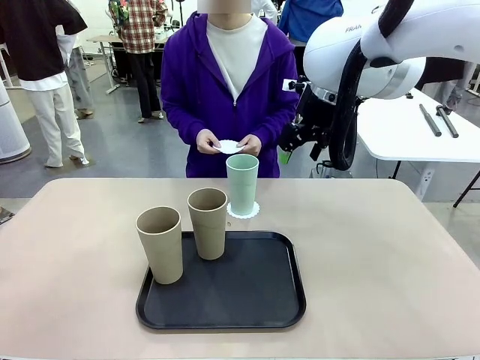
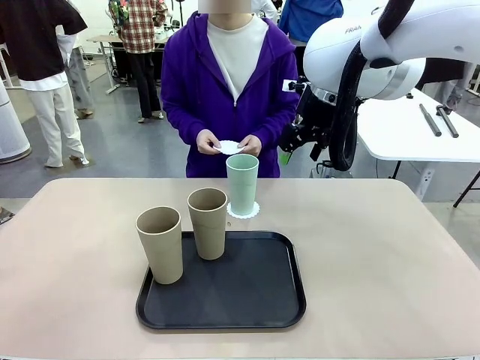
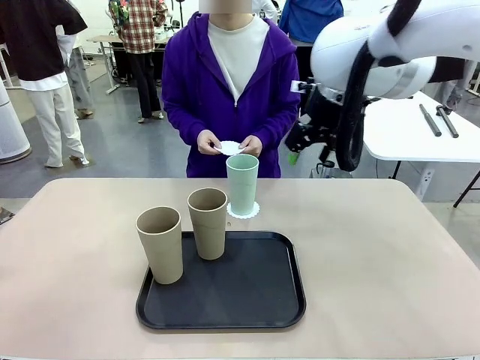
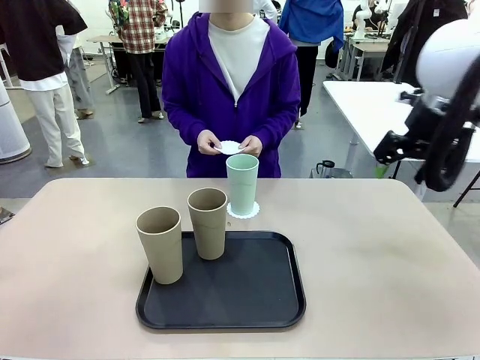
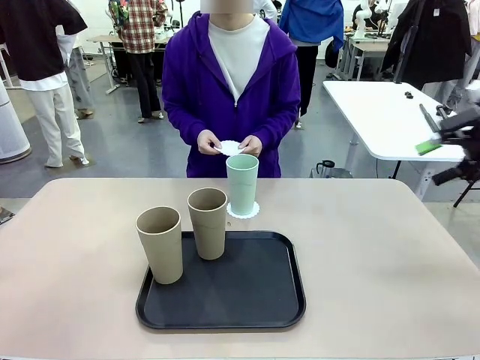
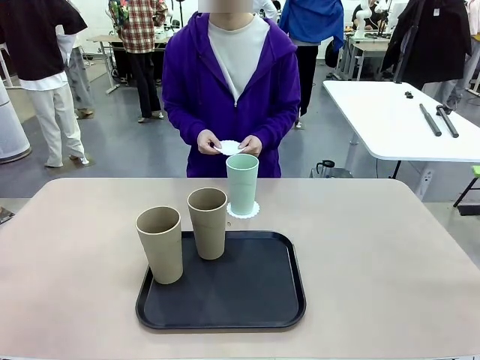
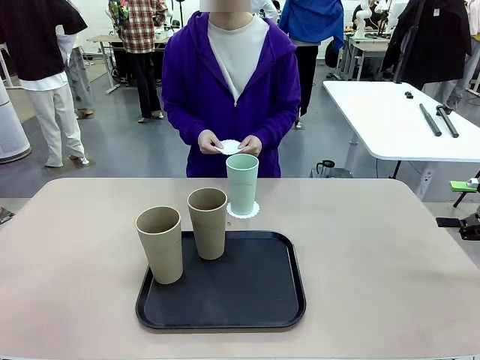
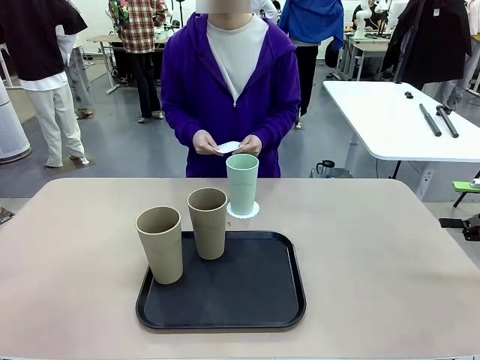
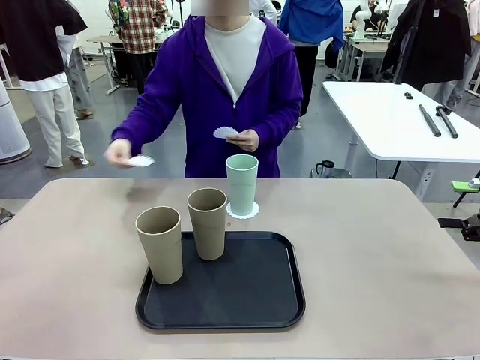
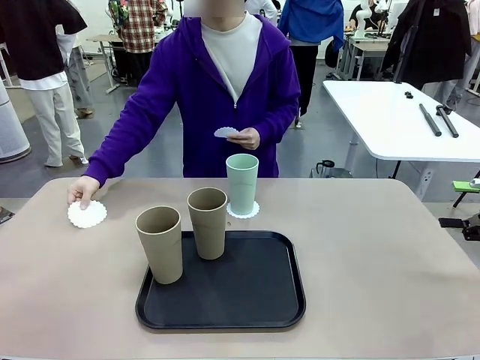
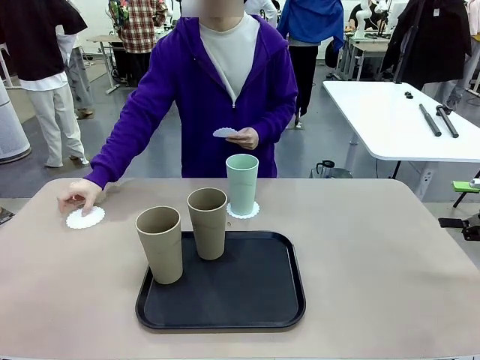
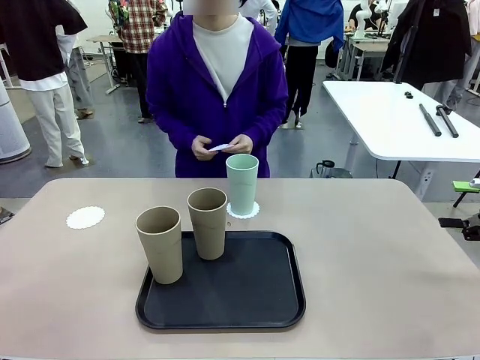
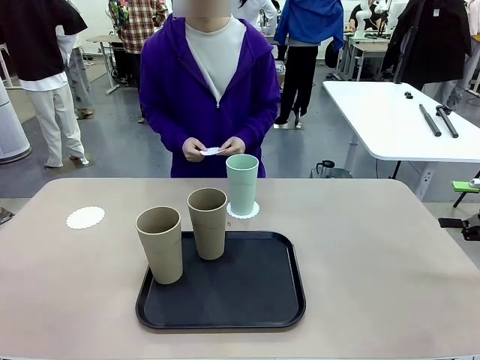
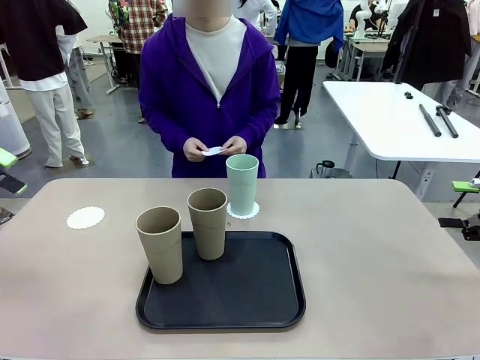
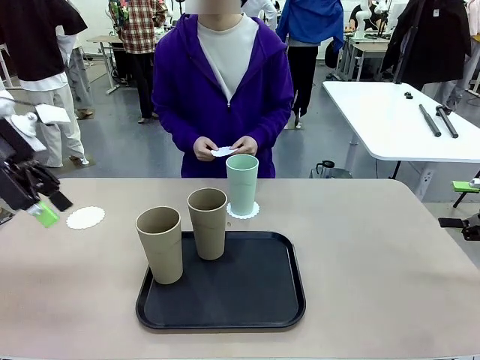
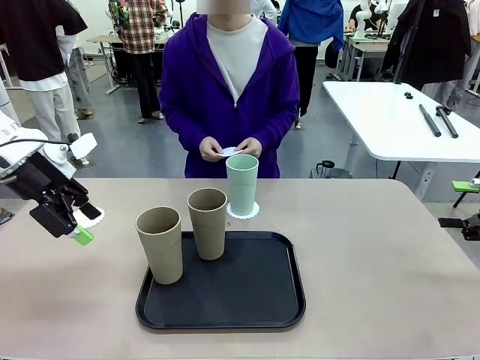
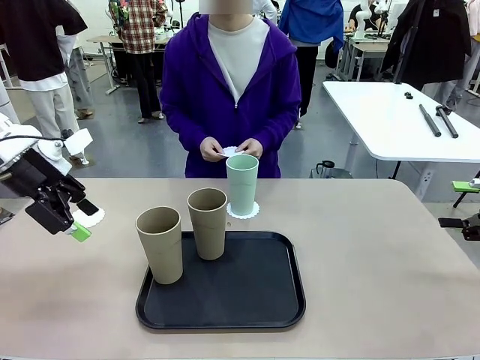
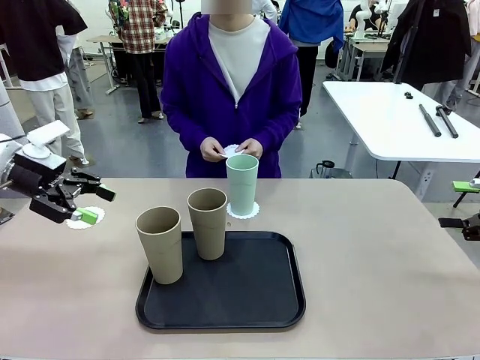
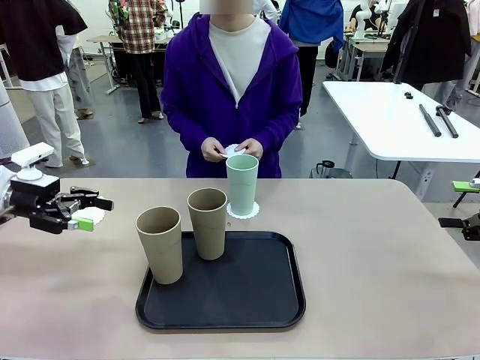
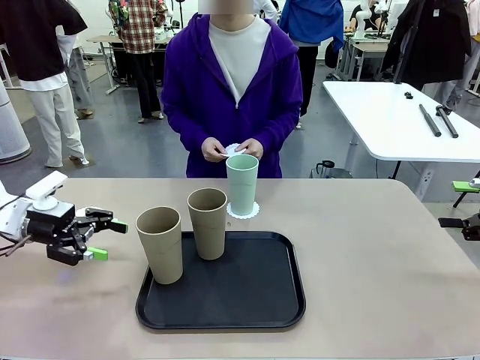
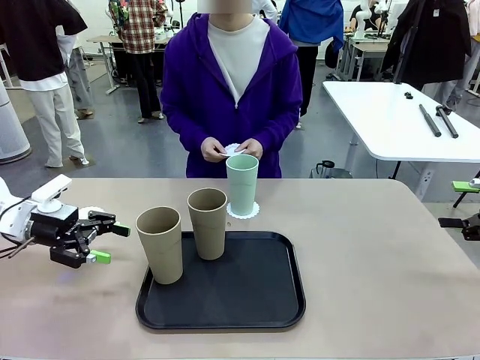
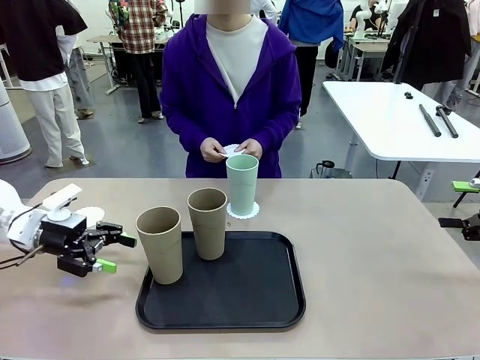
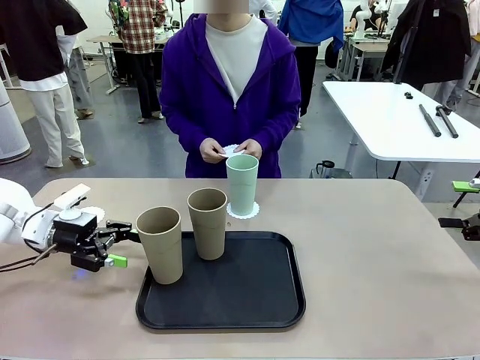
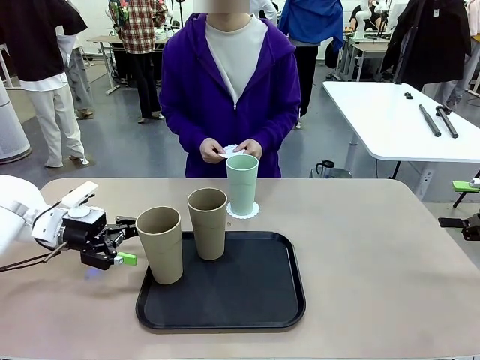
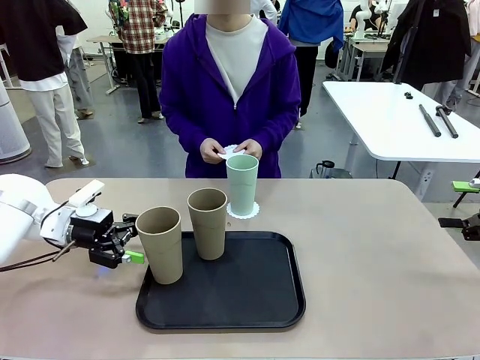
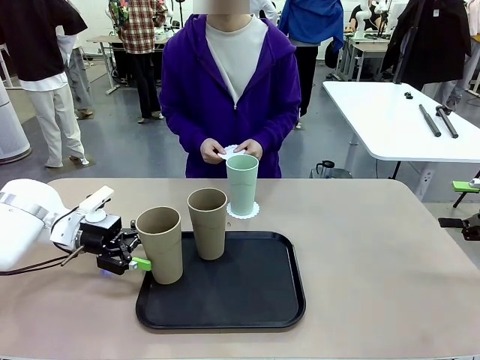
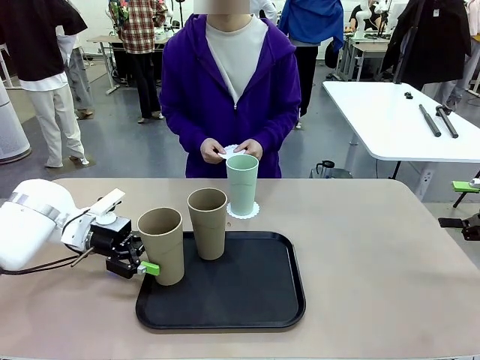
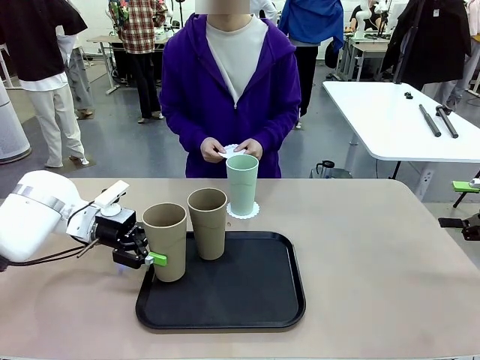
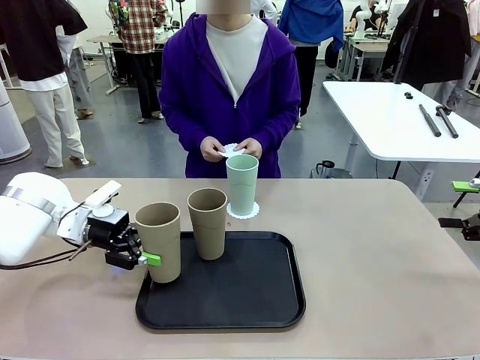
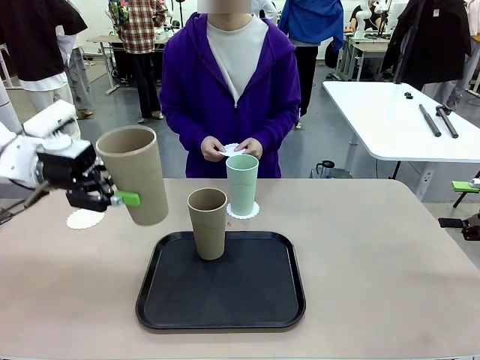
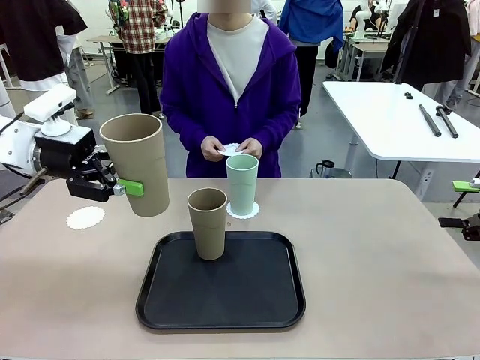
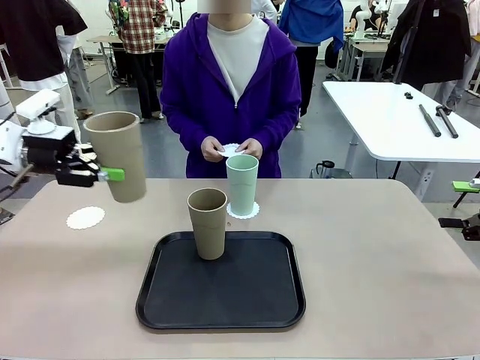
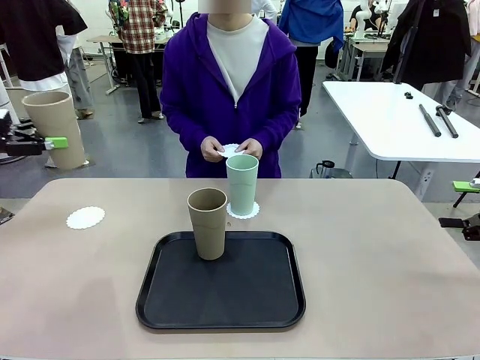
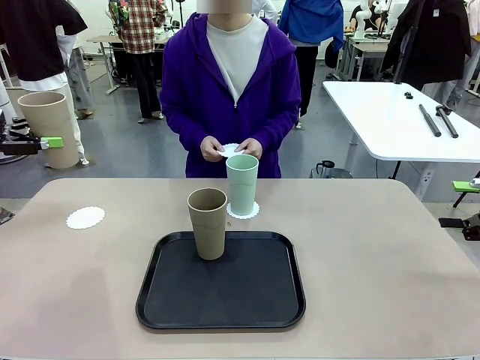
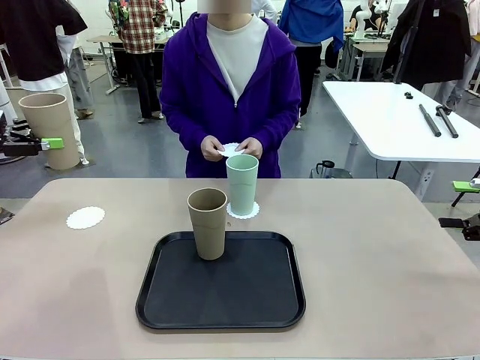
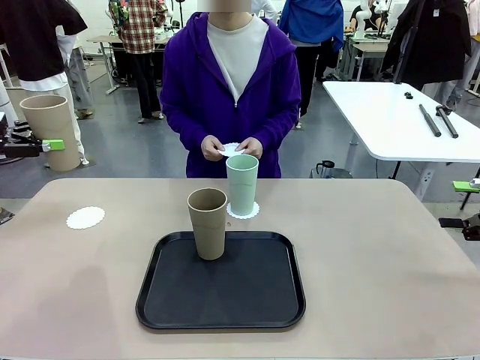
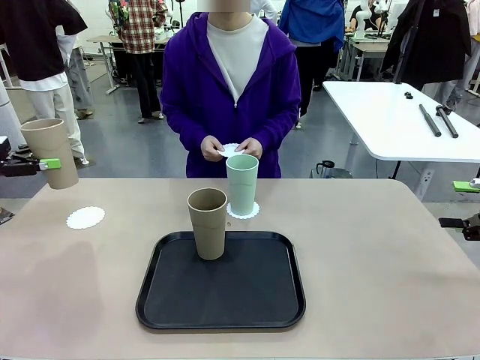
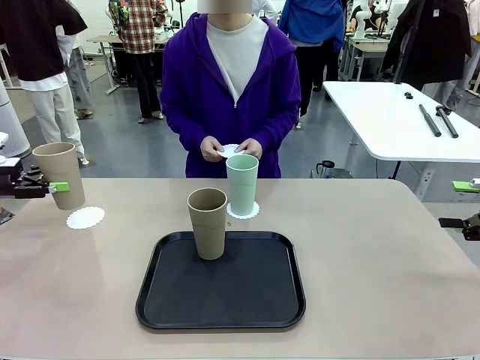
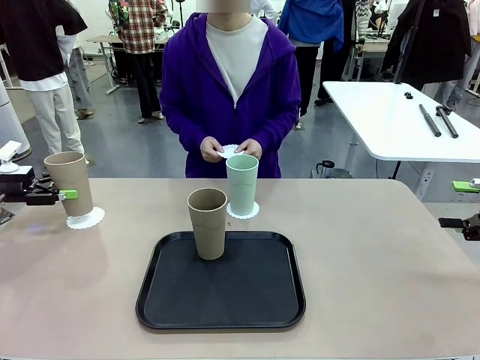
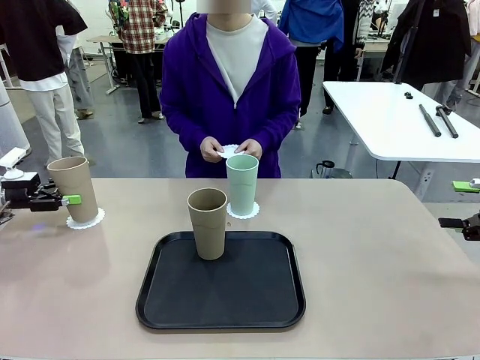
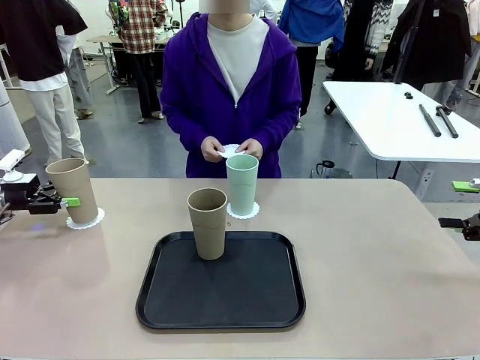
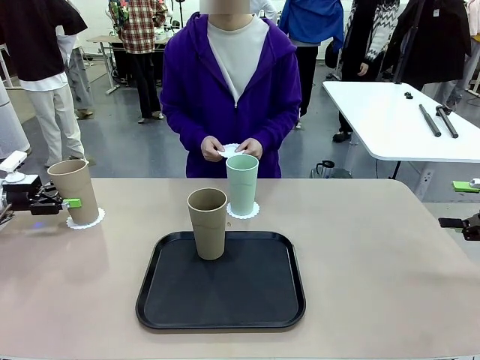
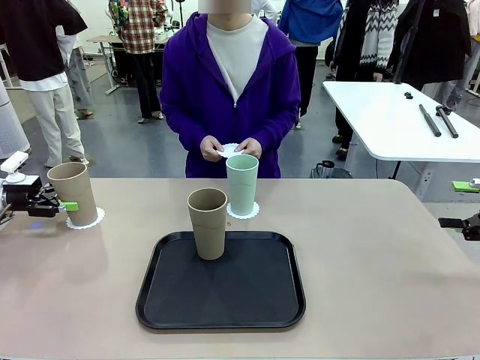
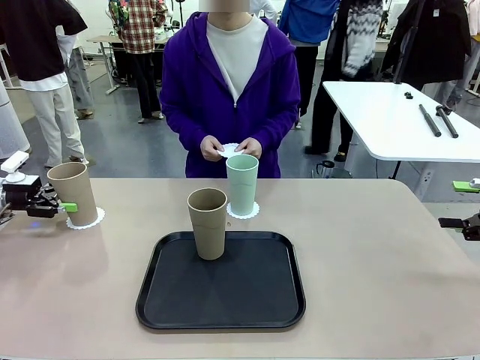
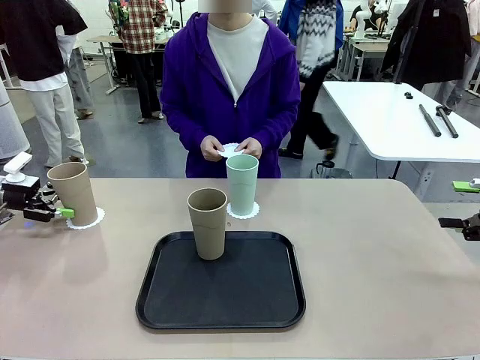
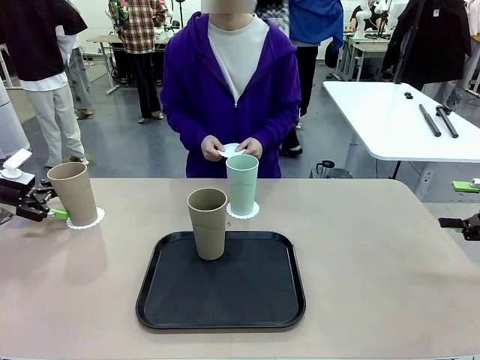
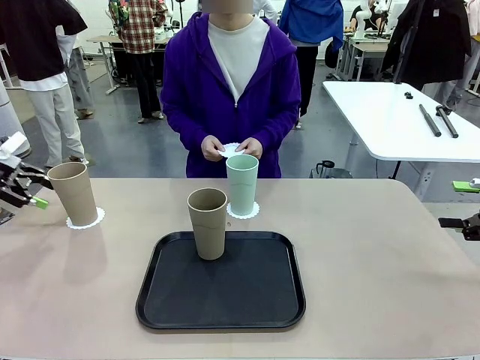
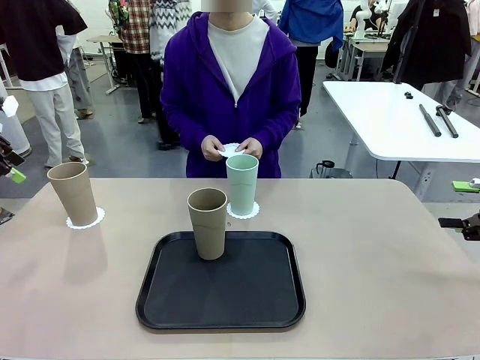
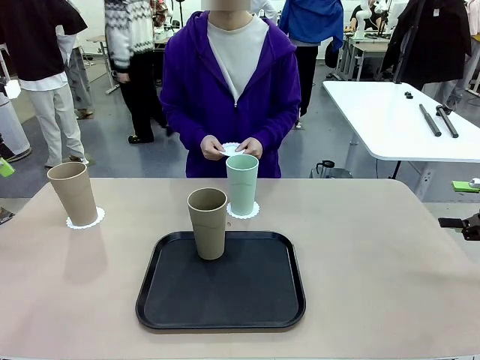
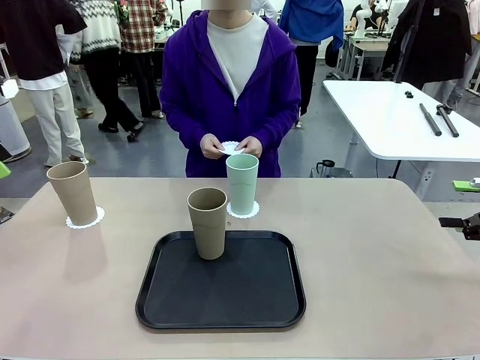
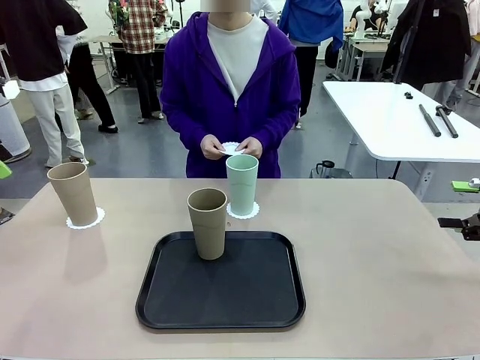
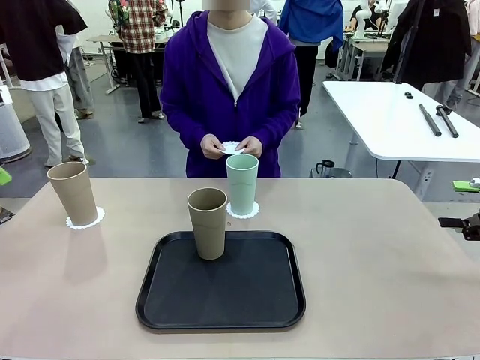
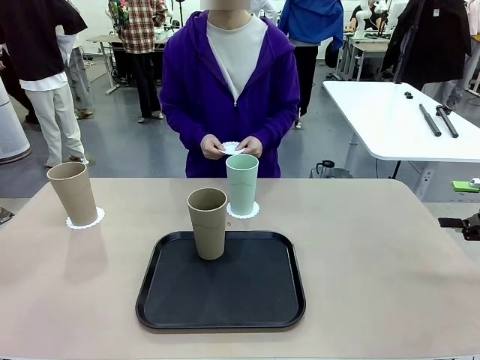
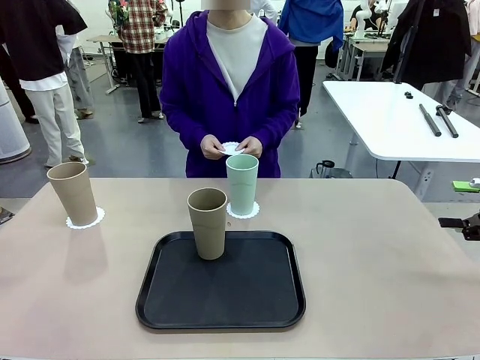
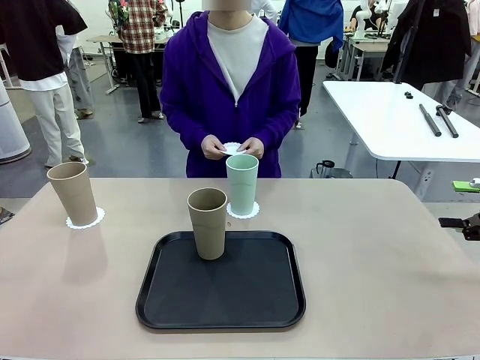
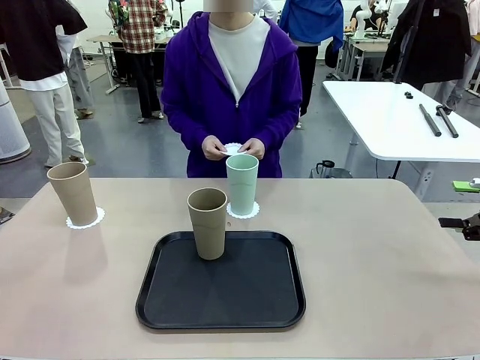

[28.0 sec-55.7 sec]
Task: Place coasters on the table and set cups on them.
Robot: Take one Reusable plastic cup from the Flat Tray and place it on a coaster set by the human.
